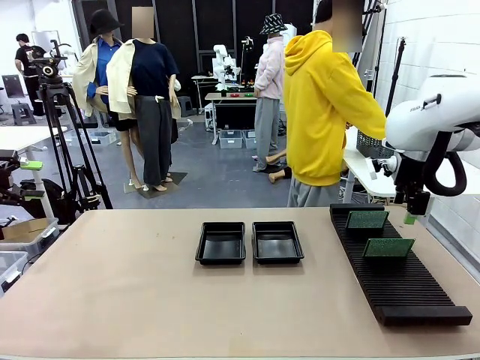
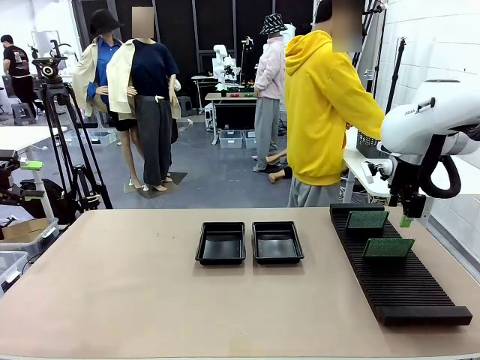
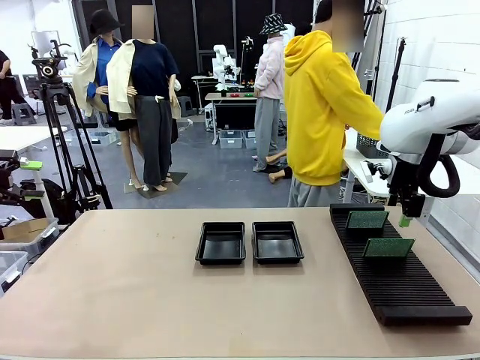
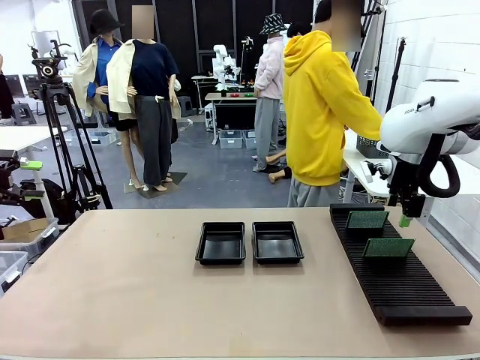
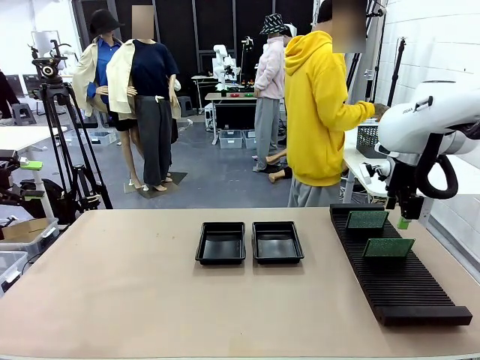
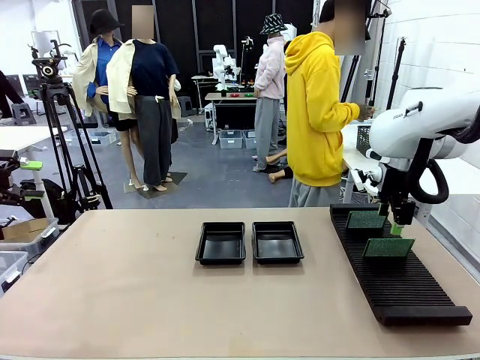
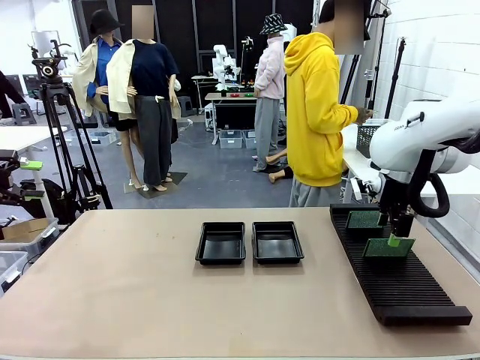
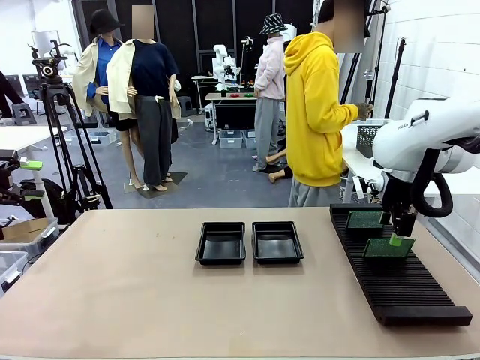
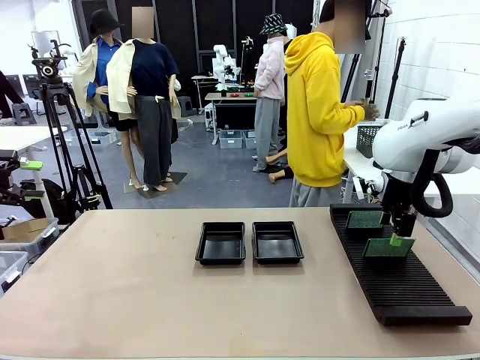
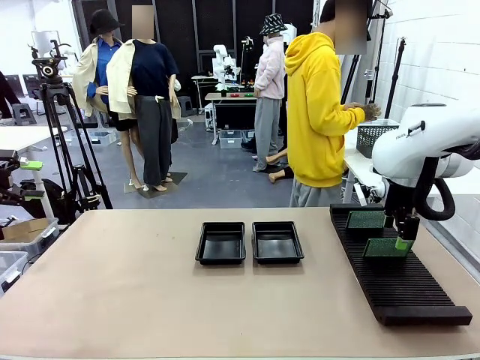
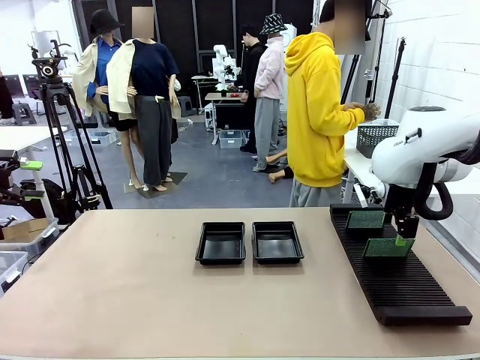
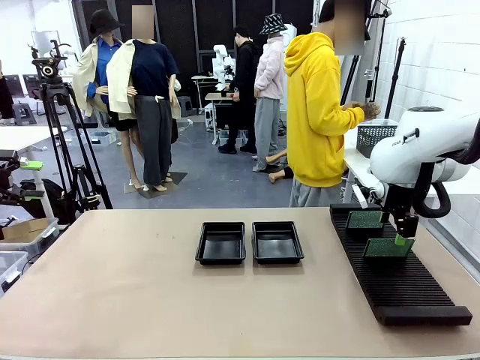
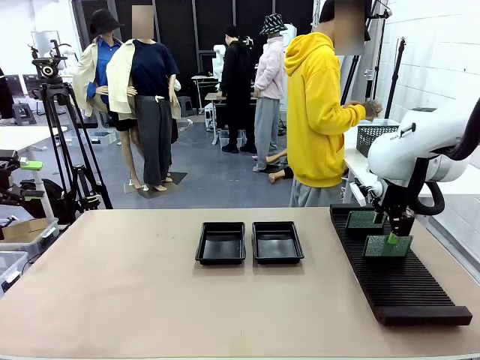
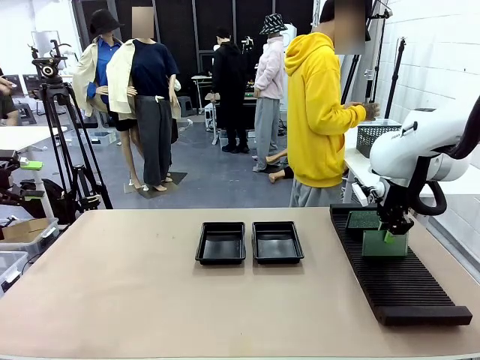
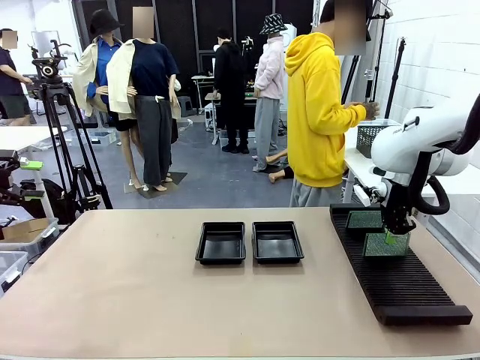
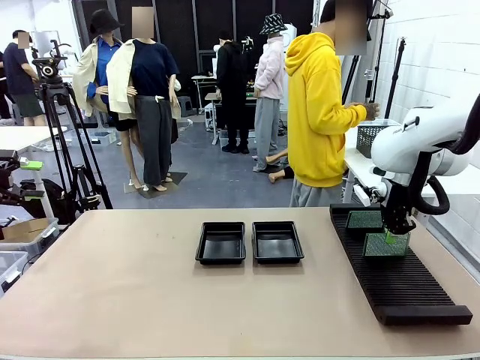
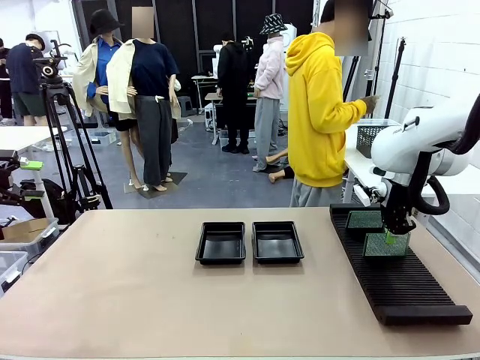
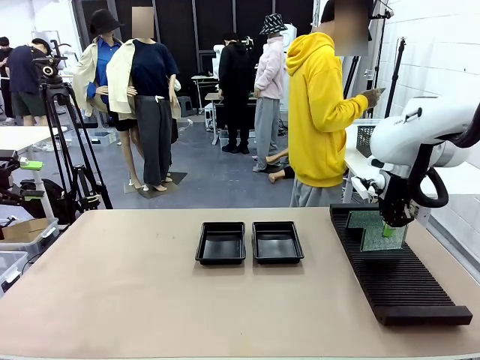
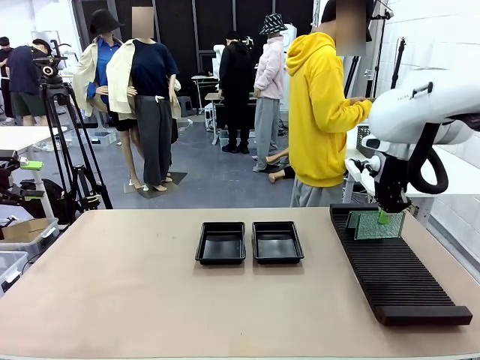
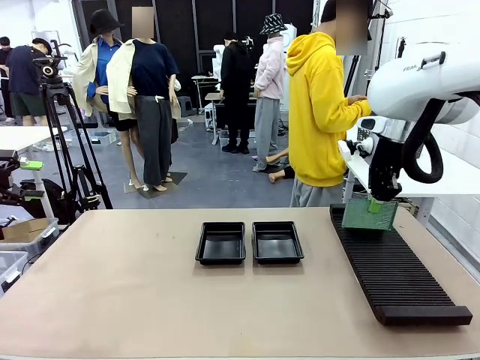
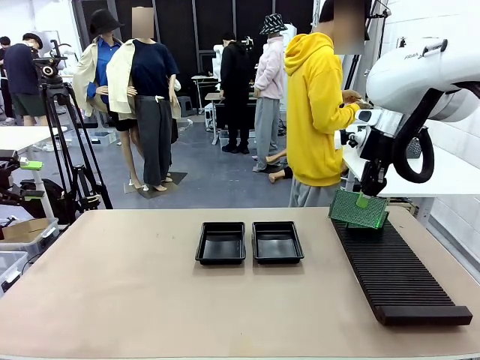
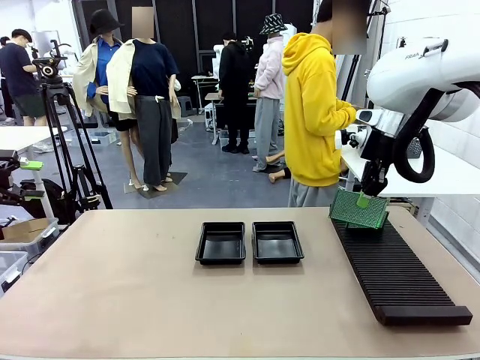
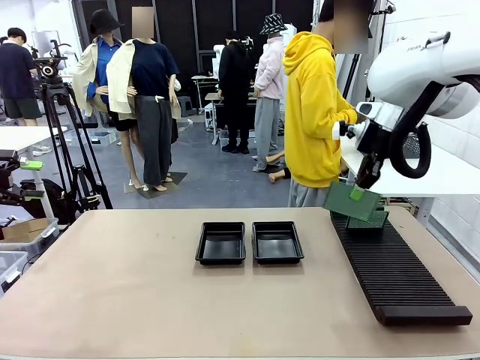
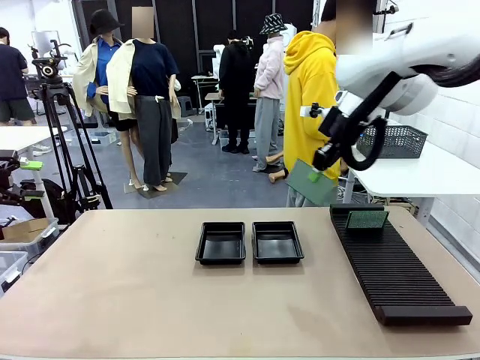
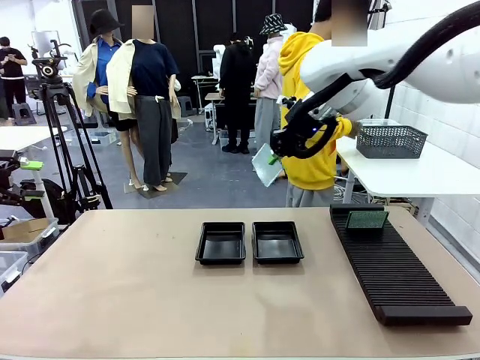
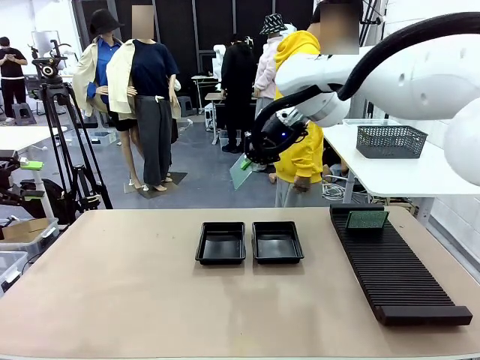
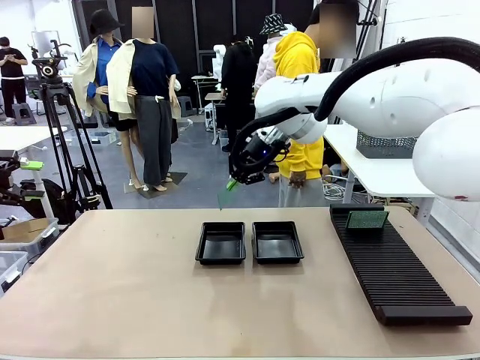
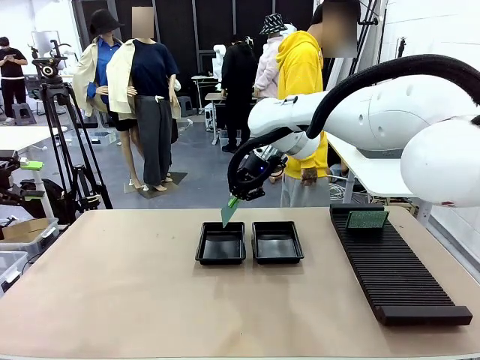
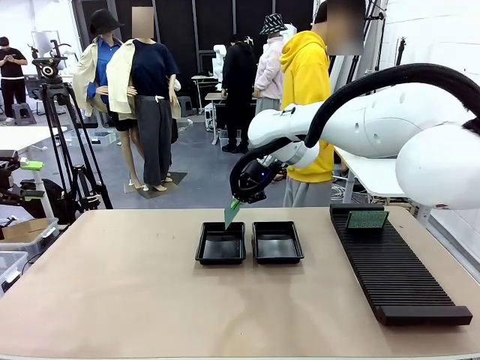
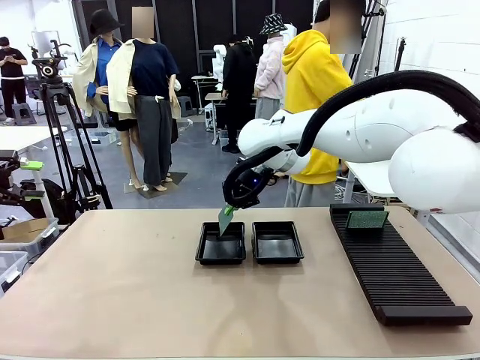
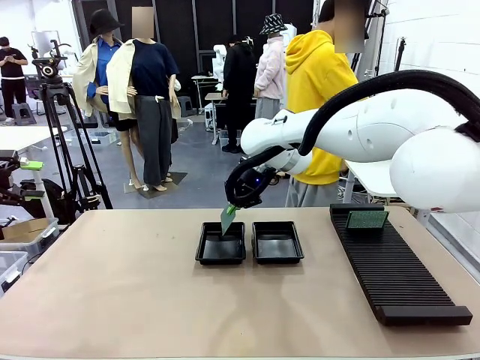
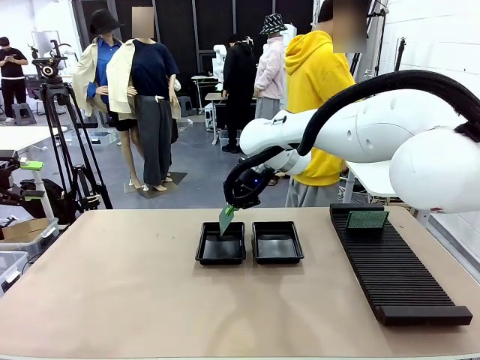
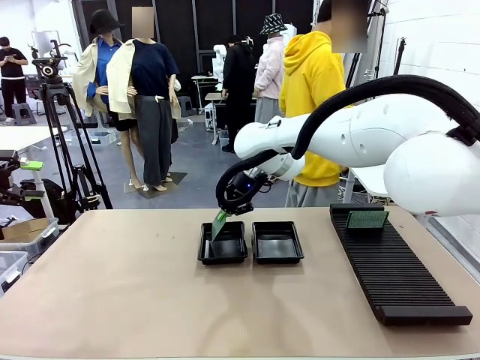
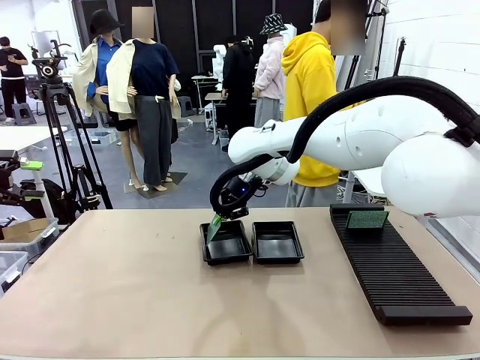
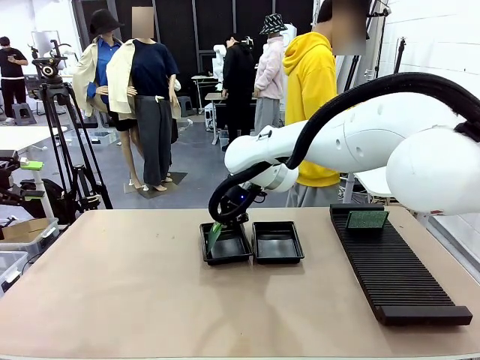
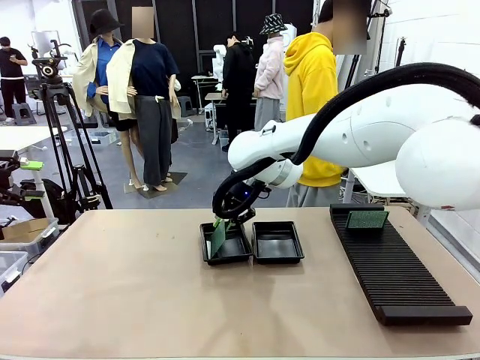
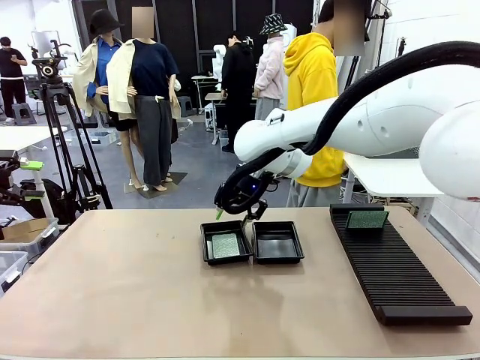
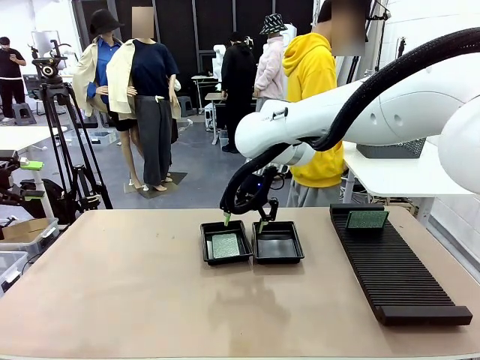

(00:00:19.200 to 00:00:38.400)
Task: Inspect and transfer BCBs to ESD trays.
Robot: Pick up the Blank PCB from the PCB Rack and place it in the left ESD tray.

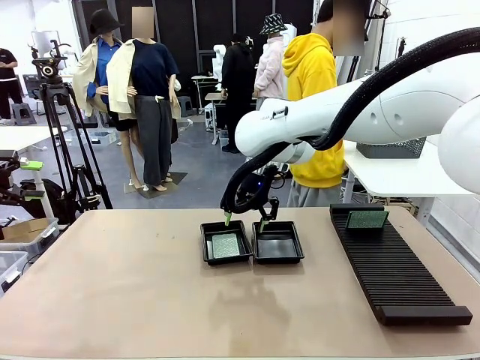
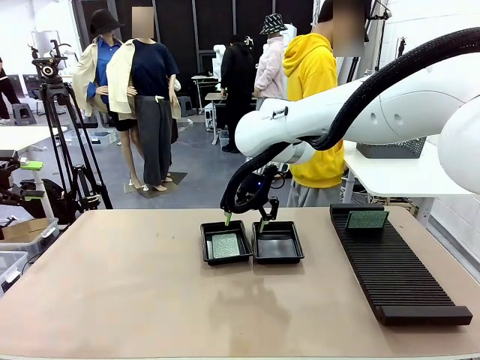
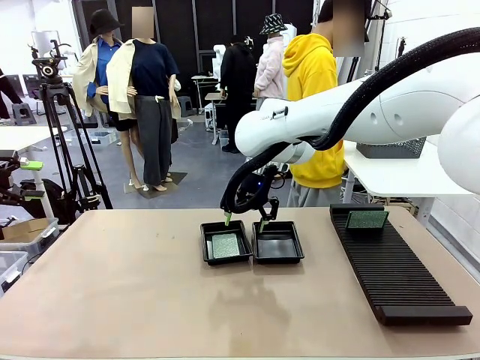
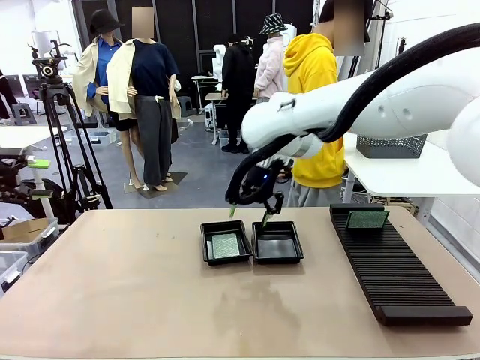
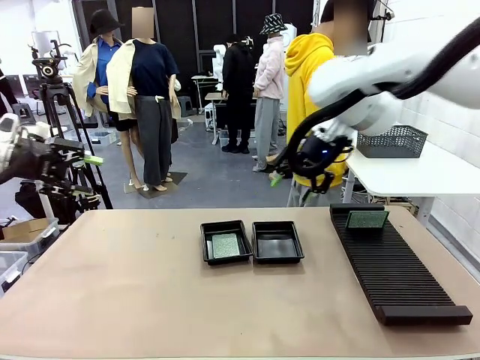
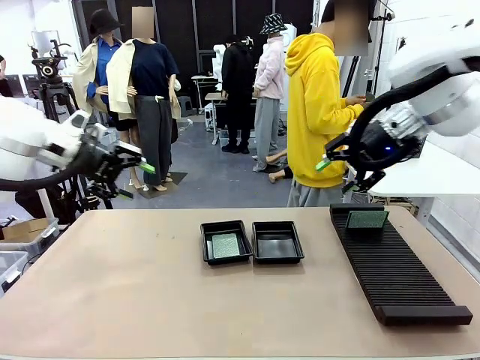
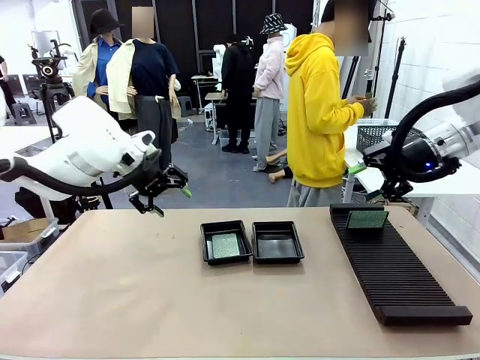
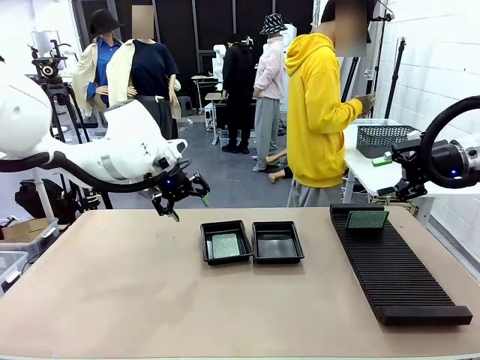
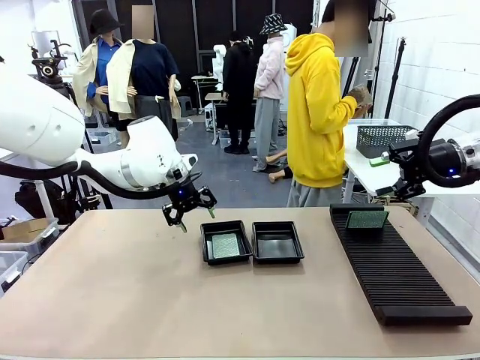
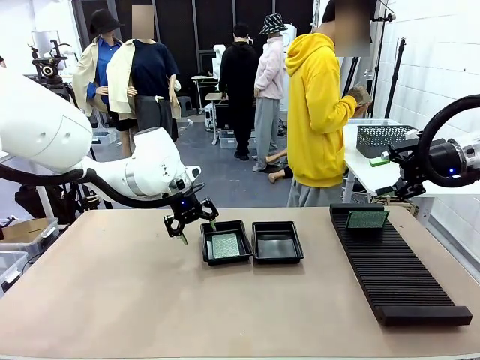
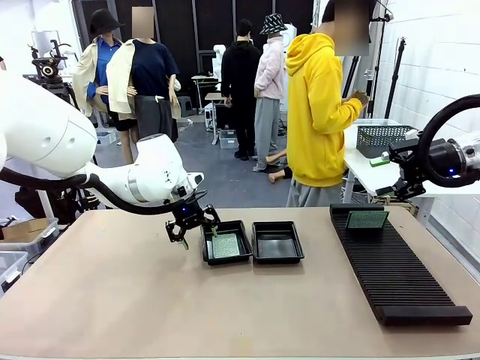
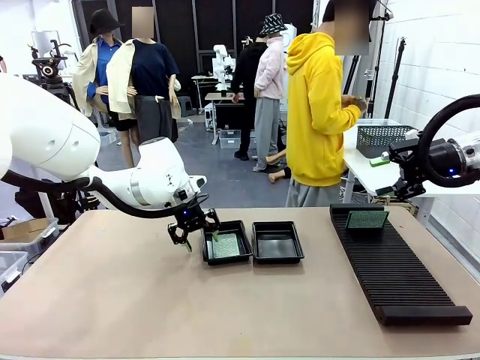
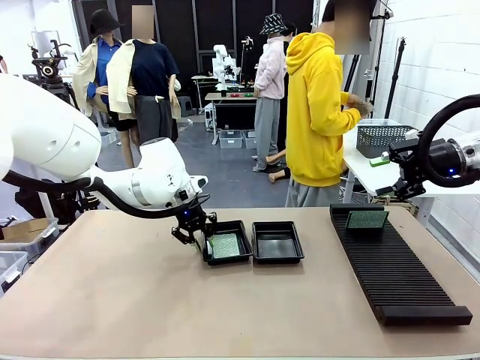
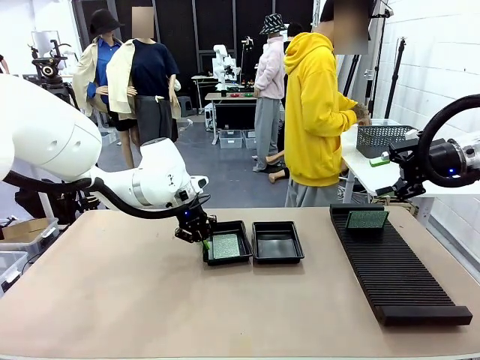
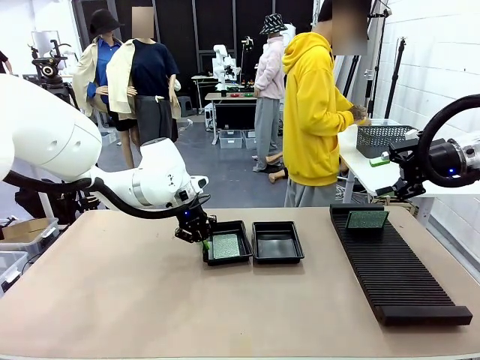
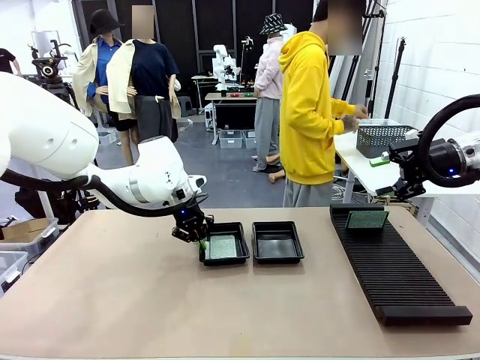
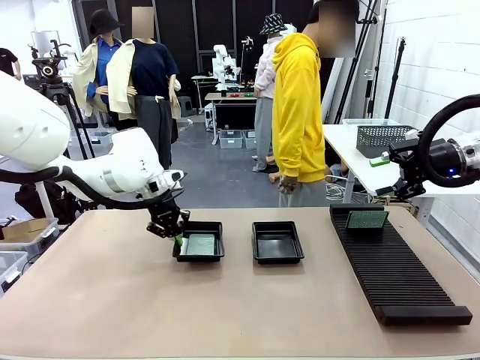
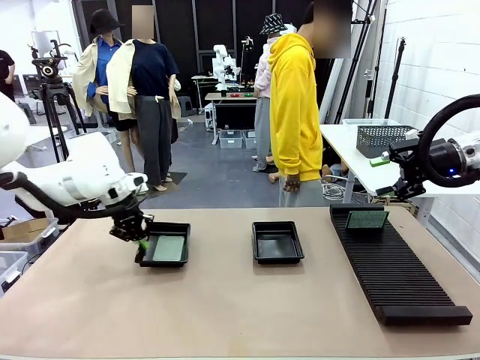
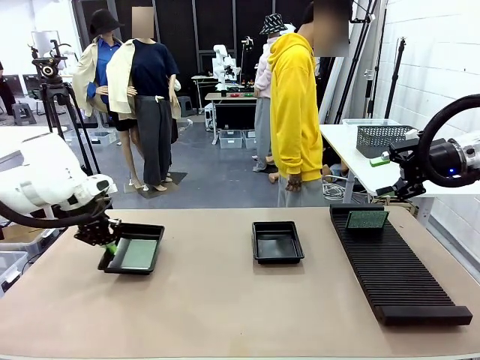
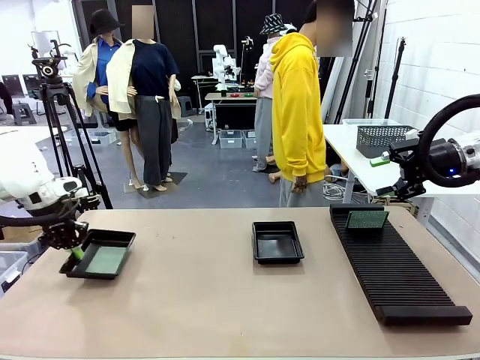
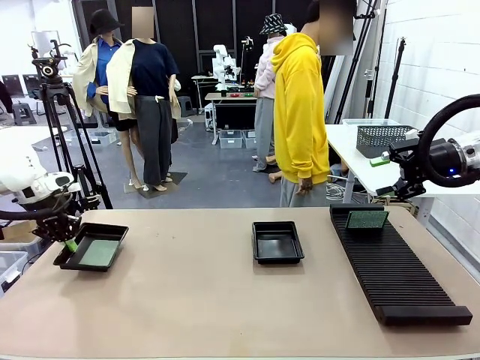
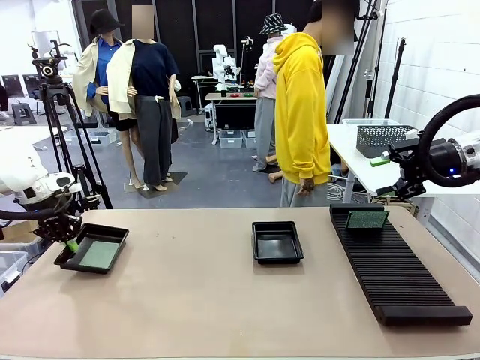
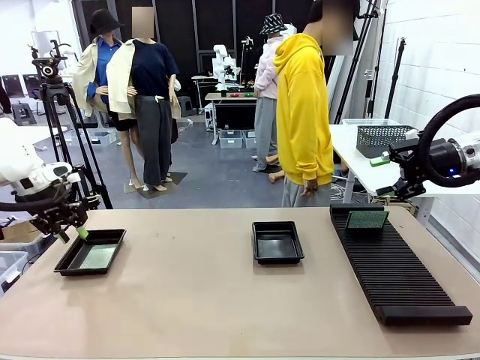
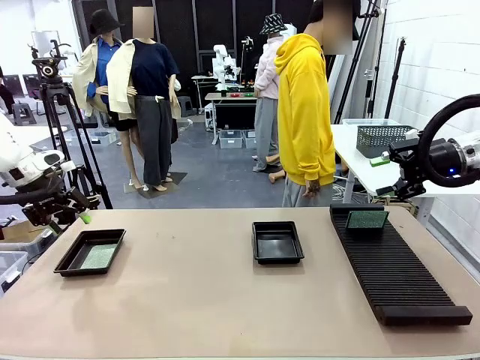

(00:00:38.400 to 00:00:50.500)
Robot: Pick up the ESD tray and place it on the left side of the table.
